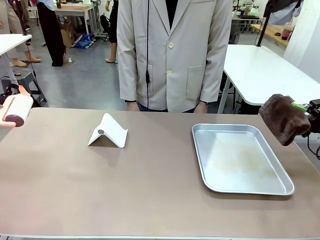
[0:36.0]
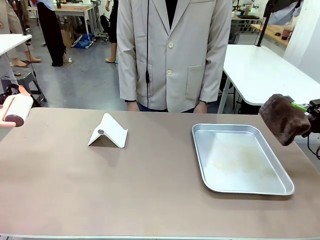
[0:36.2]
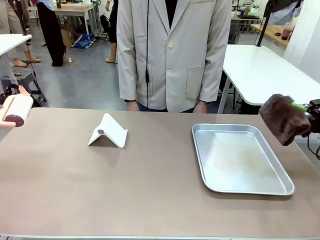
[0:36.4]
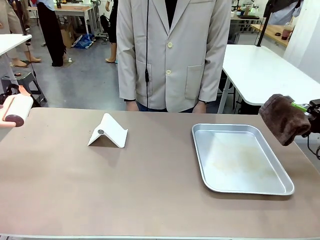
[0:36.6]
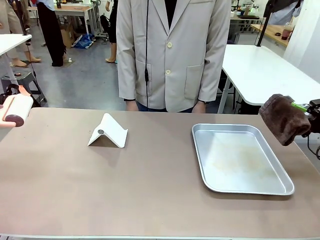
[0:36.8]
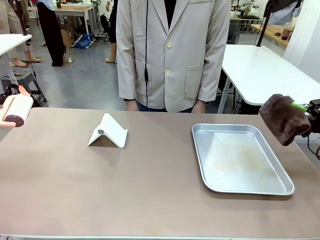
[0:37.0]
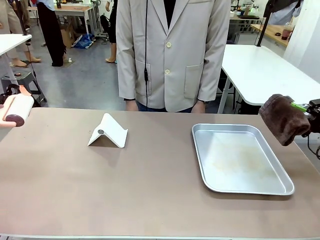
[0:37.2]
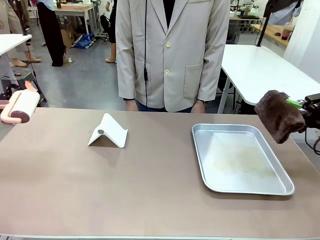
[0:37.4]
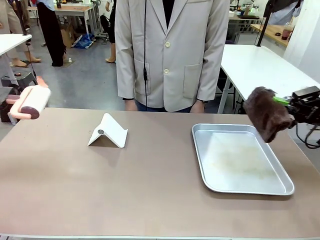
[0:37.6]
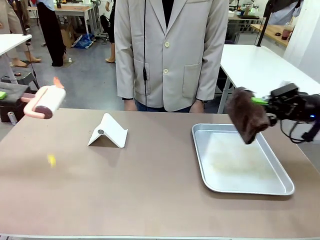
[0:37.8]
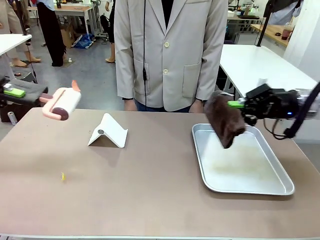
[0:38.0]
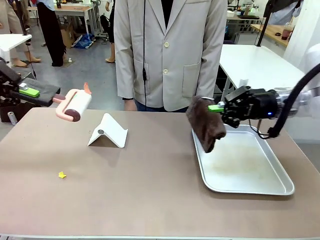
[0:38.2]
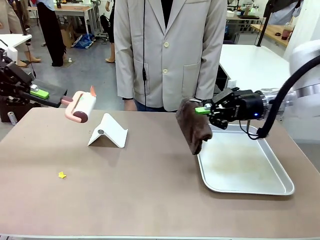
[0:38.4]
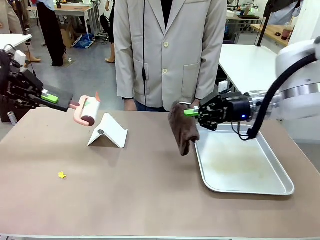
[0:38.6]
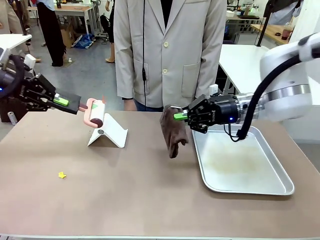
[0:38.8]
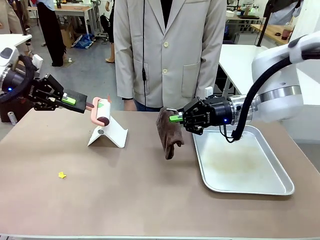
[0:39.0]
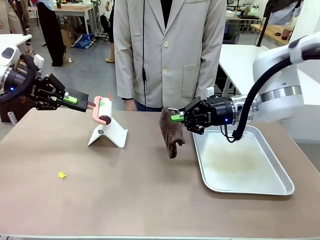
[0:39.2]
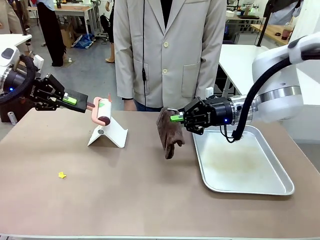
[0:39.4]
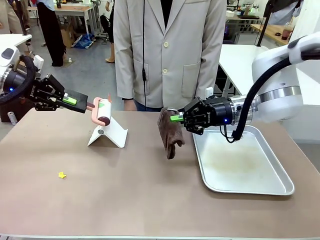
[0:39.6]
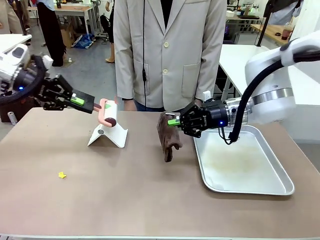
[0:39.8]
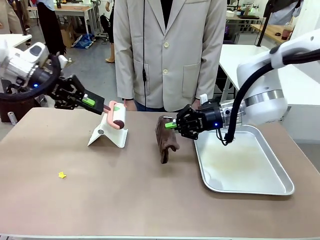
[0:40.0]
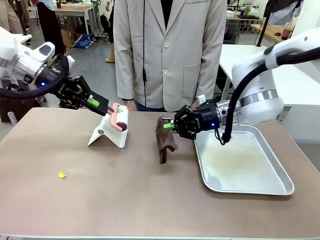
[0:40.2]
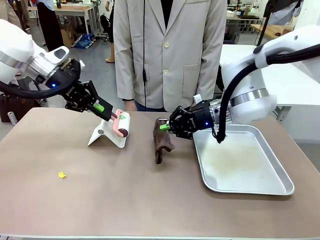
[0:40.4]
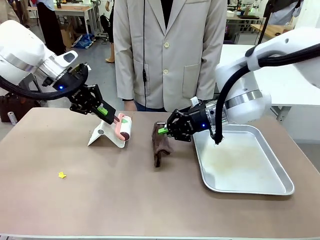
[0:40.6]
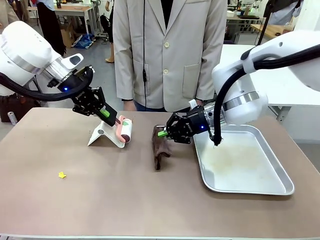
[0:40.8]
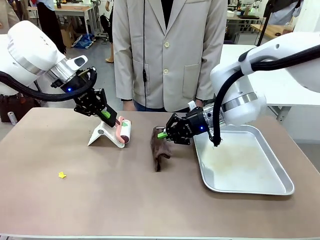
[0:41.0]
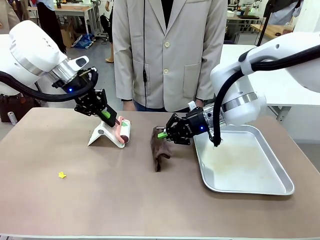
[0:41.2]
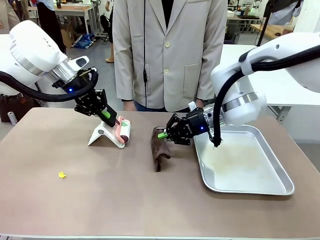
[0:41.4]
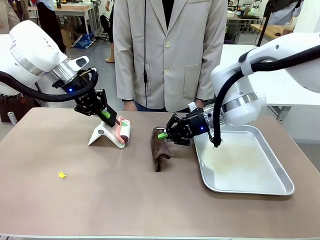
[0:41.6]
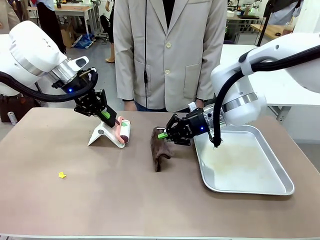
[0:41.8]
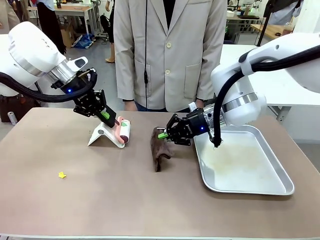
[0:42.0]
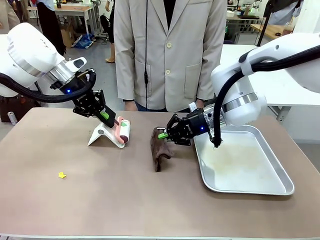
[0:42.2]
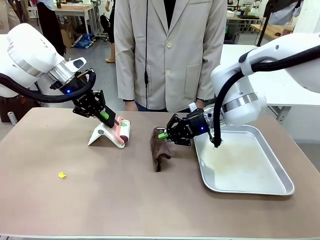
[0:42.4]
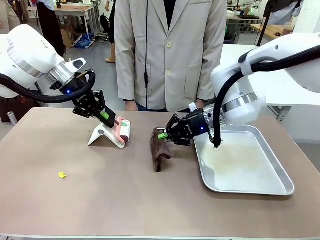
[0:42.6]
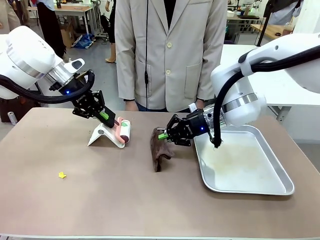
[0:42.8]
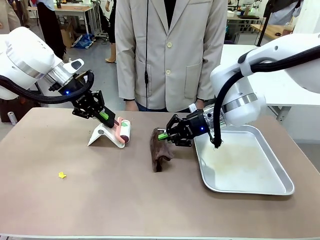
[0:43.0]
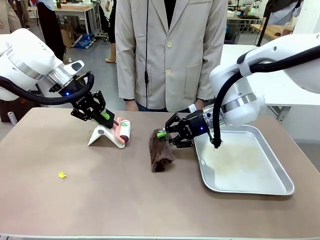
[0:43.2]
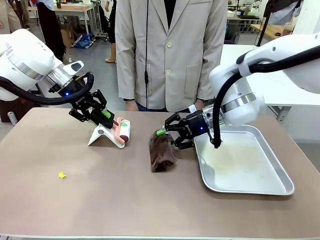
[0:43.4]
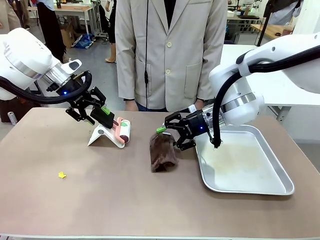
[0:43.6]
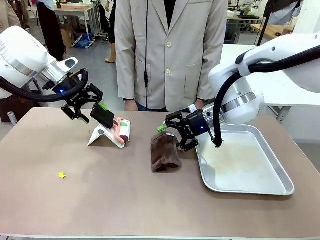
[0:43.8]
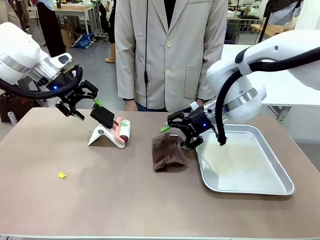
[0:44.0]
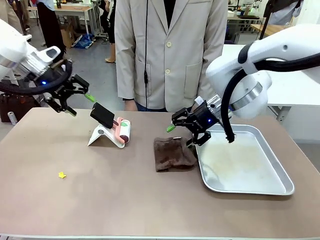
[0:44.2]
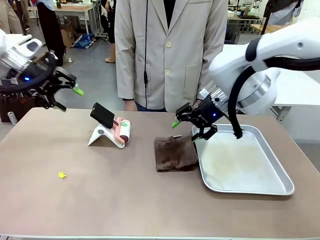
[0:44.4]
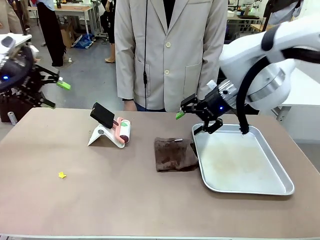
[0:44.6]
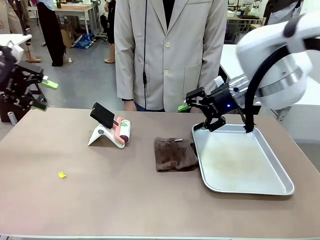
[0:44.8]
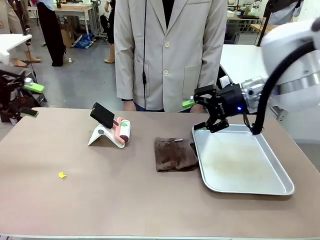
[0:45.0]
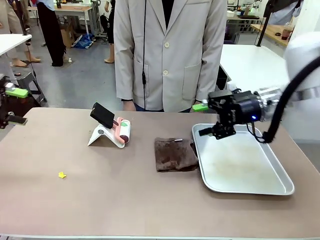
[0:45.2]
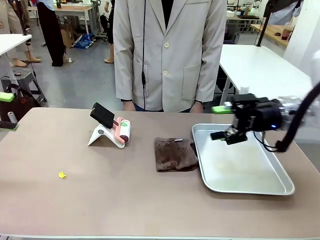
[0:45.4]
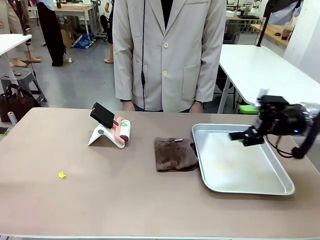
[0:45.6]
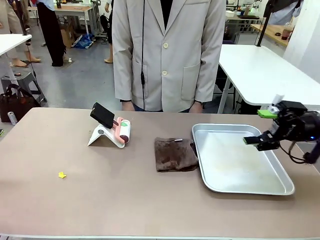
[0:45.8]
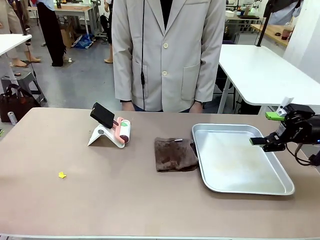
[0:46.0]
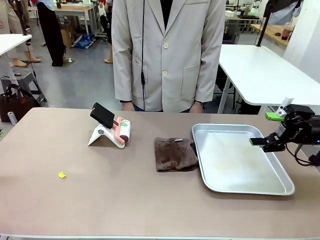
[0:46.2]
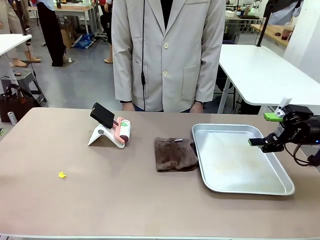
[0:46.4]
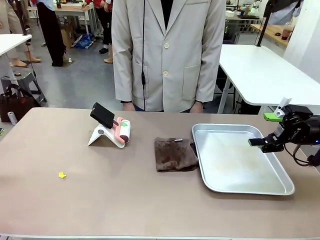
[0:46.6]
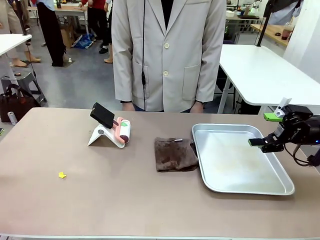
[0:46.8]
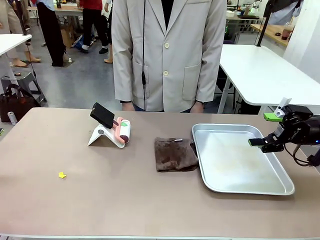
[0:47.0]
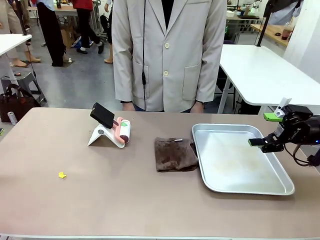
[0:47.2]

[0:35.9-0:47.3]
Task: Clean the surface of the table.
Robot: Return the Lint Roller and towel to their original positions.

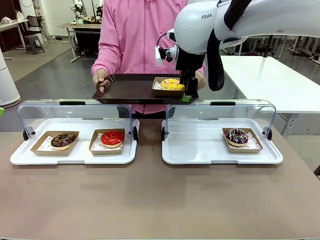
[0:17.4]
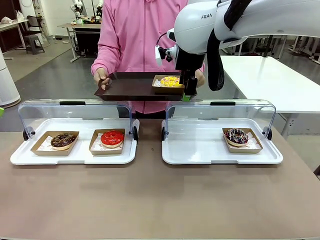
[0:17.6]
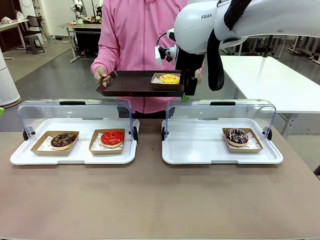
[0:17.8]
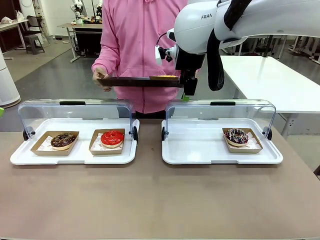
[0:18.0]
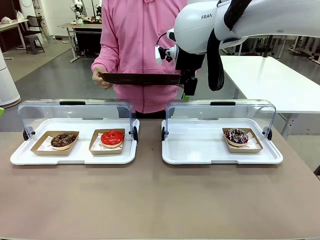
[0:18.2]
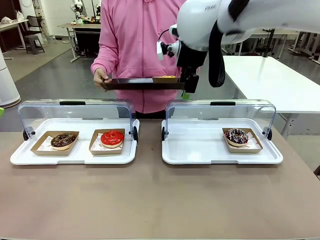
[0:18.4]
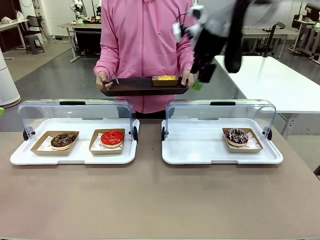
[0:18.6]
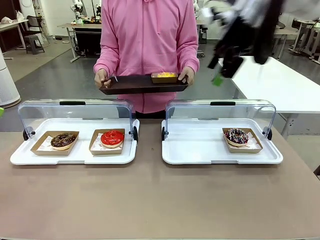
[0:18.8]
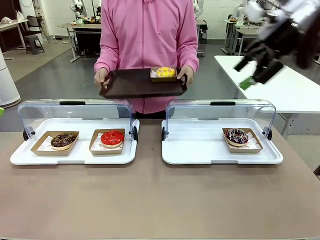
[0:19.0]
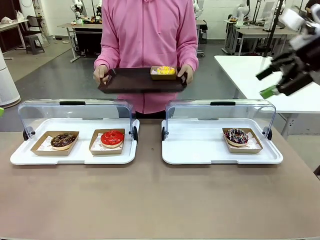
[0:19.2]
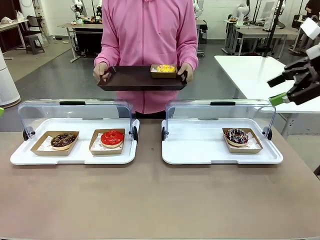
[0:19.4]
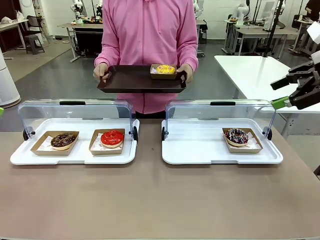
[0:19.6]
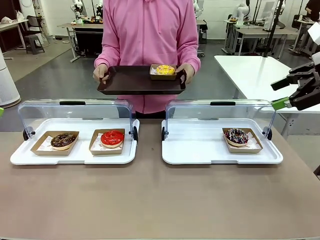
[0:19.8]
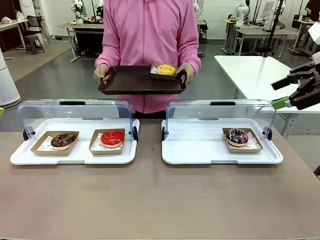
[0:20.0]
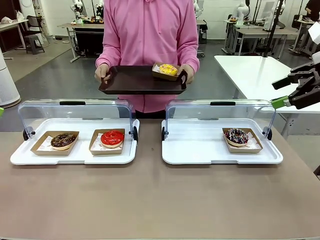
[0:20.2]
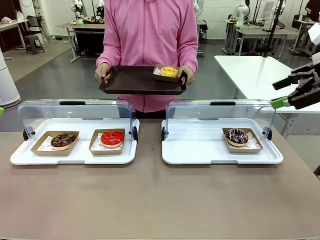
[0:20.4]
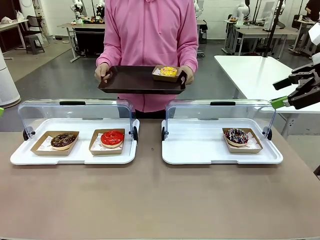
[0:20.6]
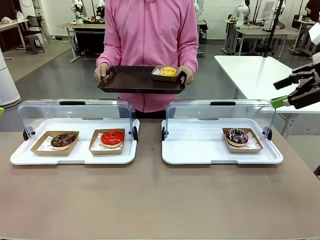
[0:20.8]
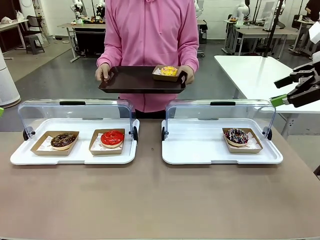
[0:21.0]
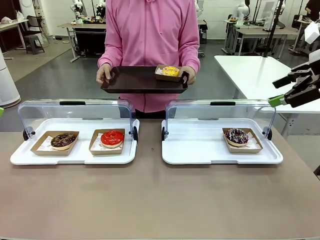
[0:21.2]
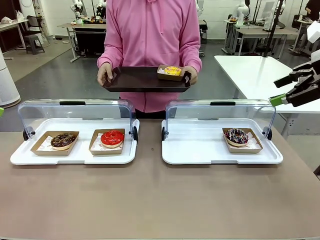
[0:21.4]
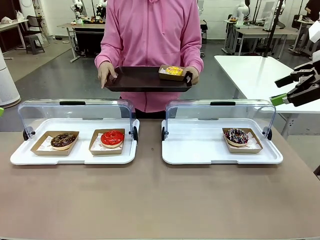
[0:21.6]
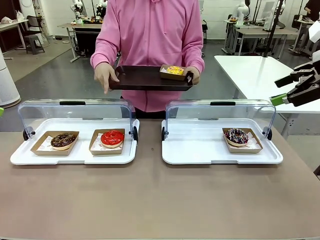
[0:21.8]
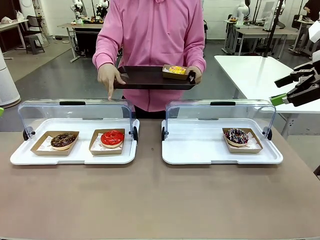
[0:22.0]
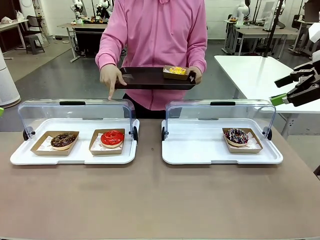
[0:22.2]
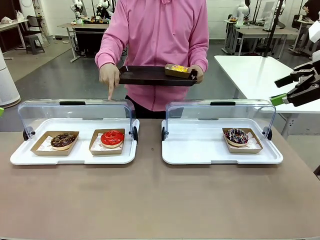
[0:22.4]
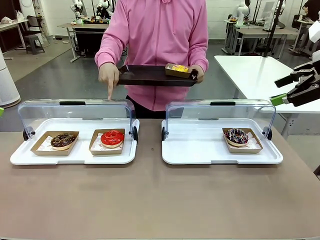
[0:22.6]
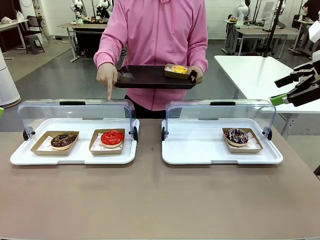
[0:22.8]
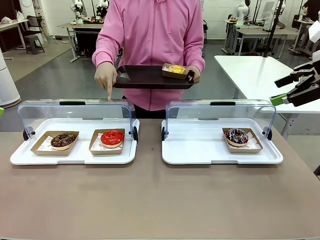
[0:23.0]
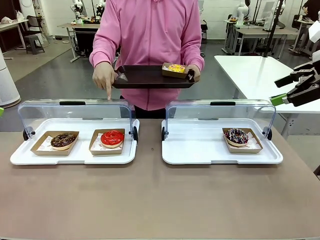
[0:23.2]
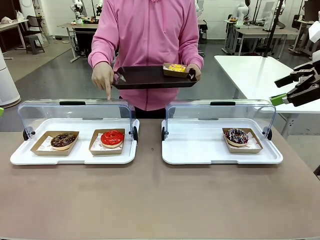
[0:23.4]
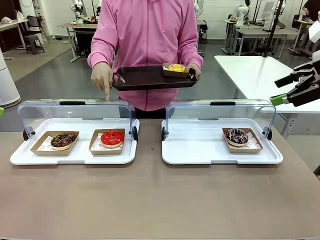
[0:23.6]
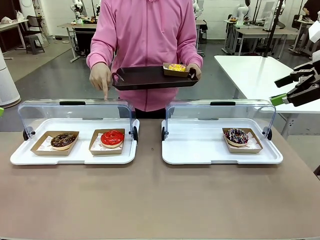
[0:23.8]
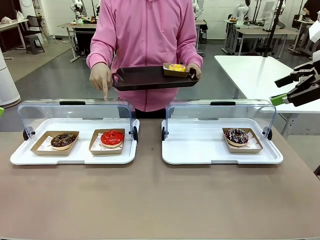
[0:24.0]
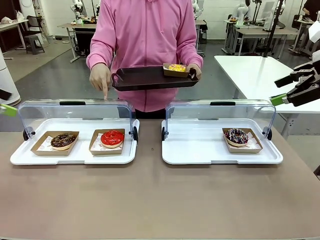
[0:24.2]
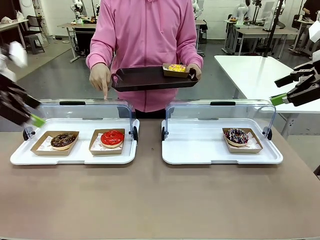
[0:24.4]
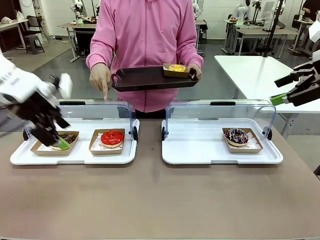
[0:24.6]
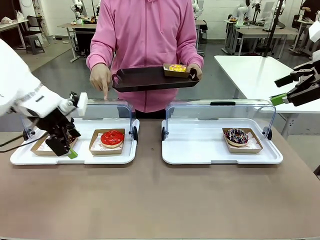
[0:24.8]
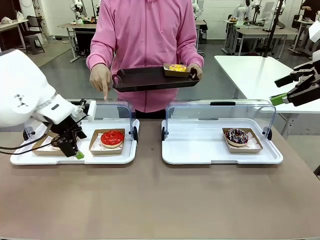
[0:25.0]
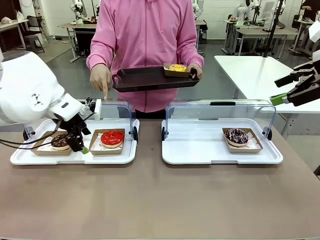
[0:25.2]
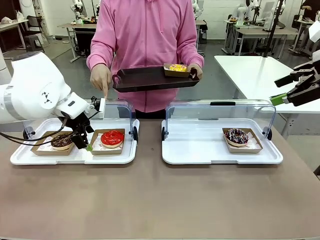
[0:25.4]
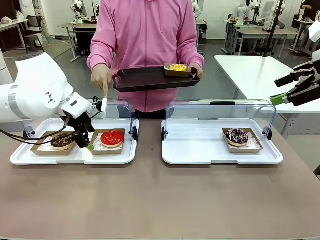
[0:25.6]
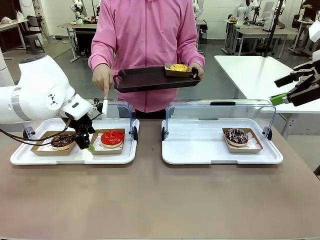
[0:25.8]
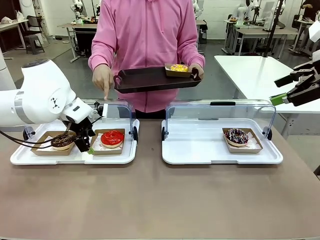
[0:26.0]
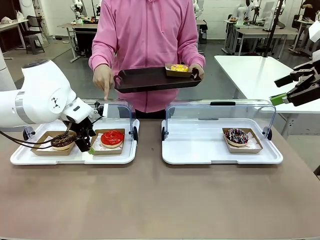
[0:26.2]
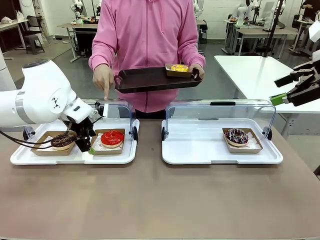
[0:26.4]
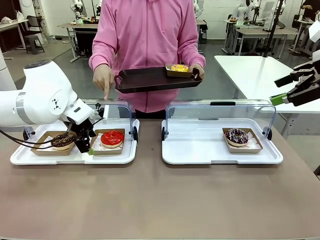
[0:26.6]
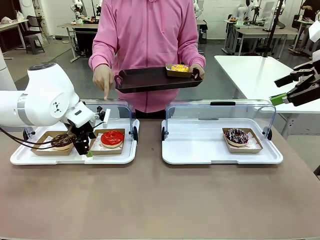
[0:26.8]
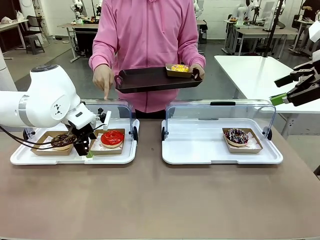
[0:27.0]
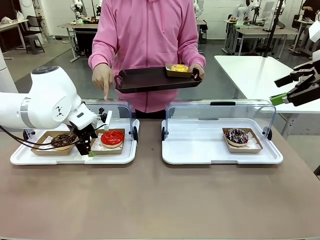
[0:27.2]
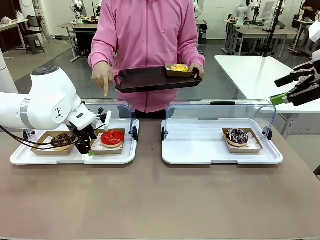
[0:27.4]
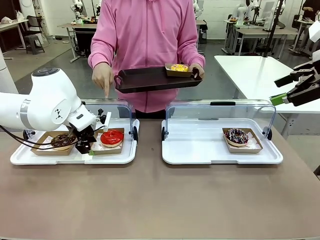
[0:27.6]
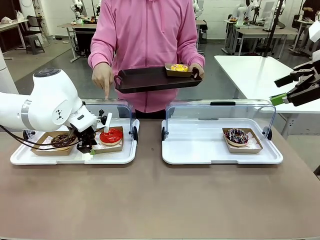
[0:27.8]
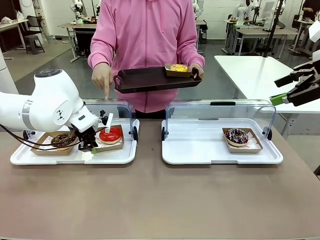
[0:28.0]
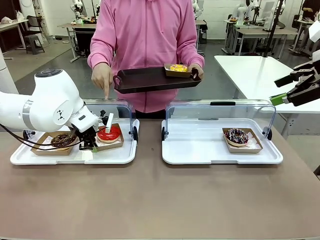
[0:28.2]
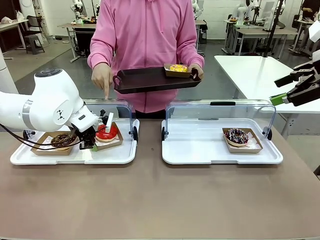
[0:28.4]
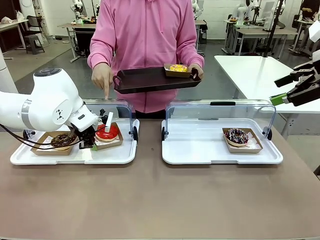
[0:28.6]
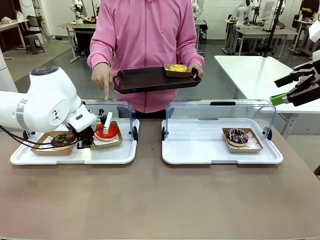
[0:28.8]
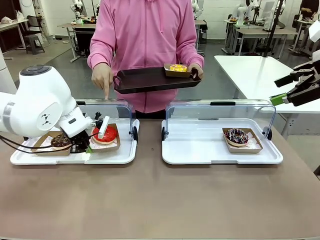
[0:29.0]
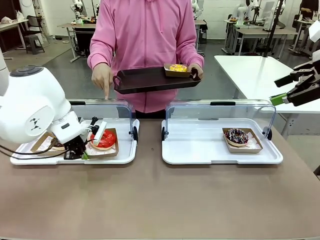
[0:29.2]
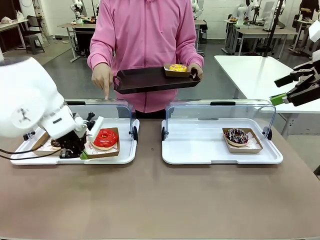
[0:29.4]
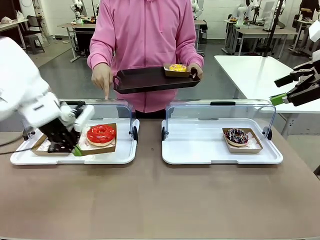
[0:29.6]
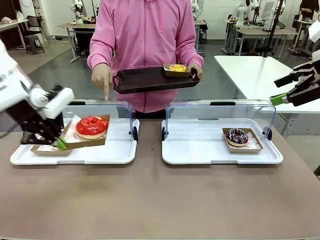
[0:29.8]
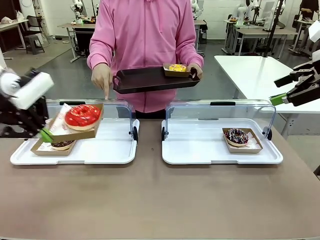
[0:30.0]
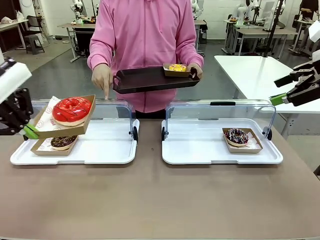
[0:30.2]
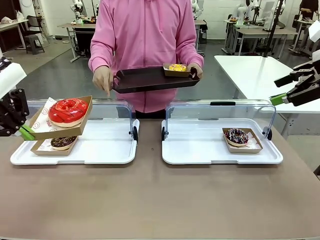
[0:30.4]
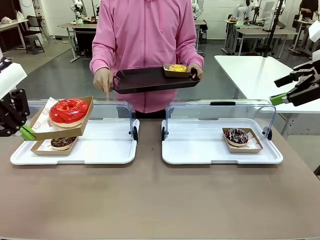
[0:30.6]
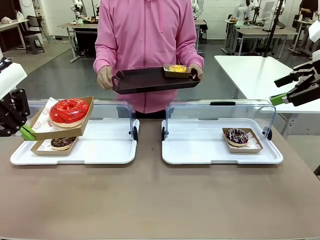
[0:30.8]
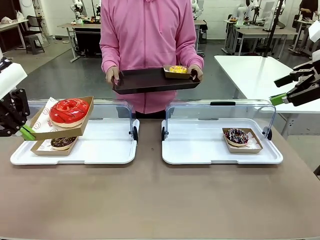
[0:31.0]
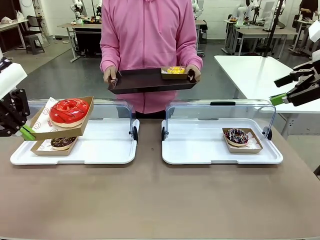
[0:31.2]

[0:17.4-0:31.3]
Task: Provide the desired donut to the person.
Robot: Pick up and lift the Paper togo box containing the Donut pointed at by the person.
Person: Point to one donut. Lift the tray onto the Roll-Top Bakery Case.
